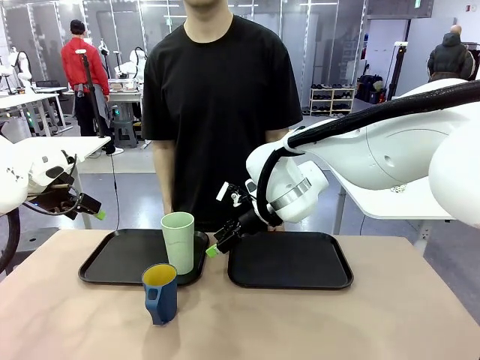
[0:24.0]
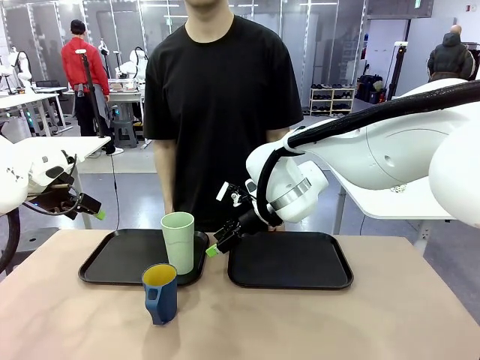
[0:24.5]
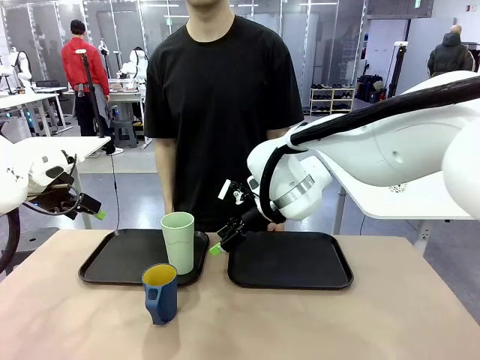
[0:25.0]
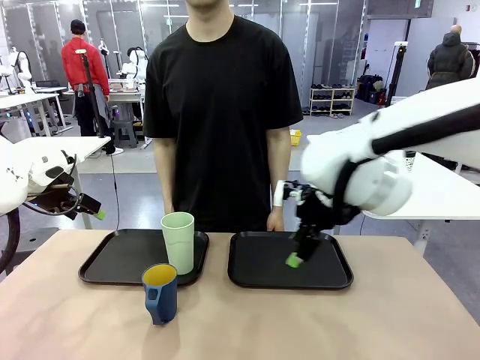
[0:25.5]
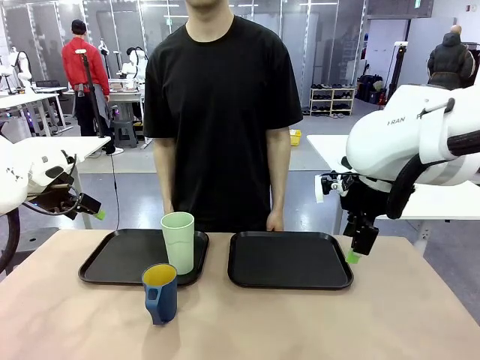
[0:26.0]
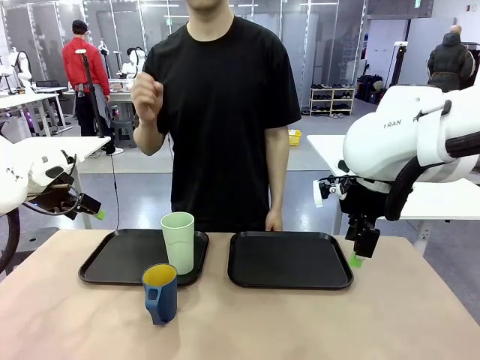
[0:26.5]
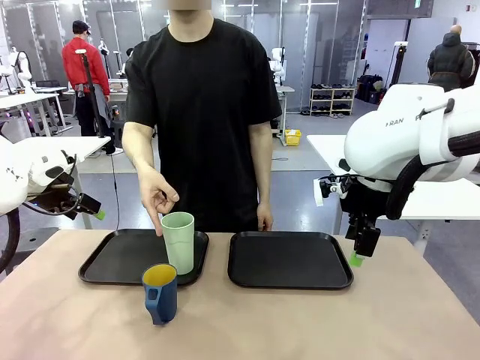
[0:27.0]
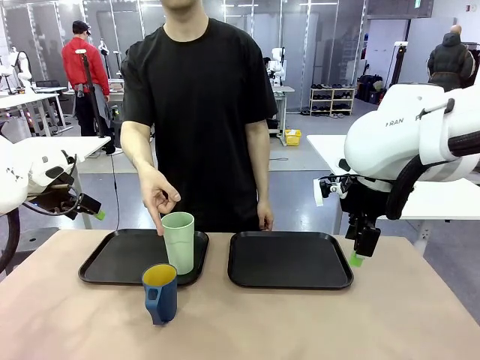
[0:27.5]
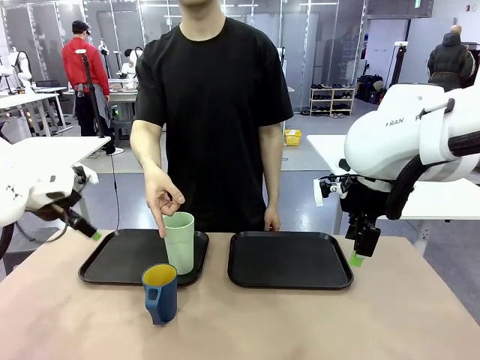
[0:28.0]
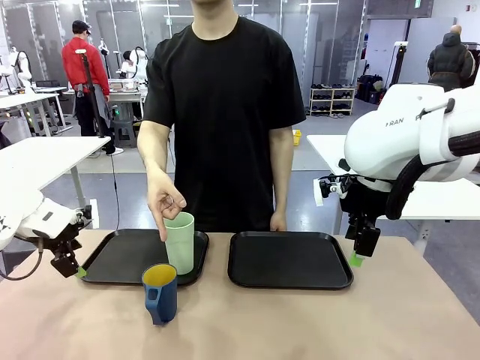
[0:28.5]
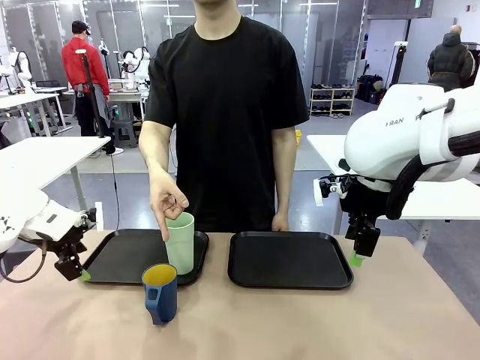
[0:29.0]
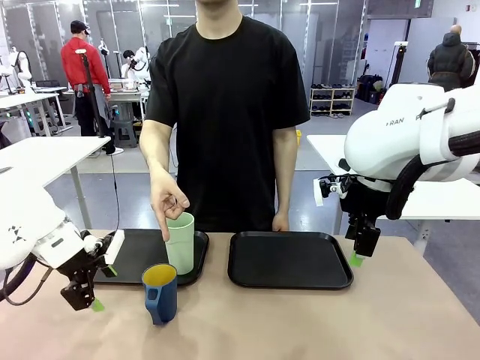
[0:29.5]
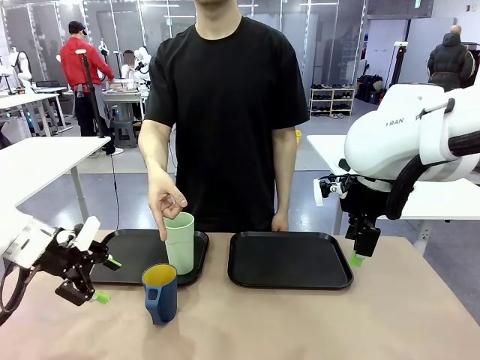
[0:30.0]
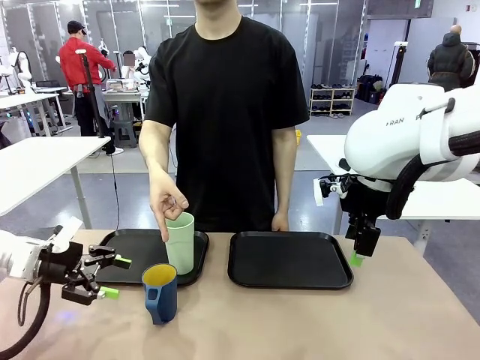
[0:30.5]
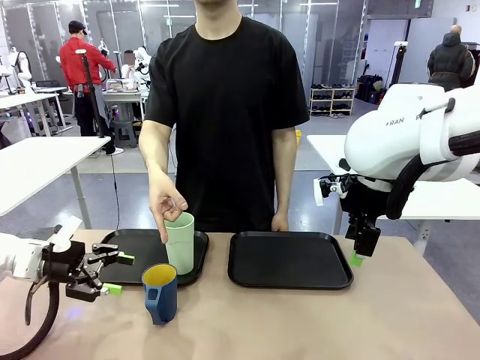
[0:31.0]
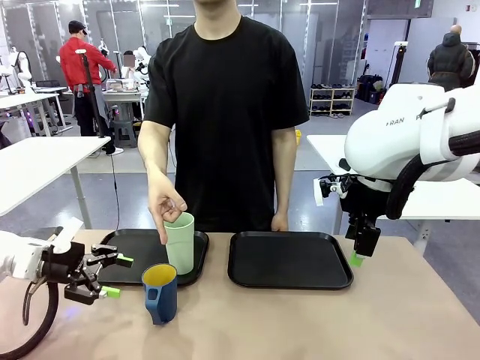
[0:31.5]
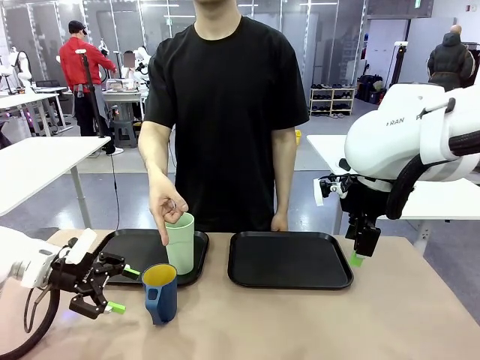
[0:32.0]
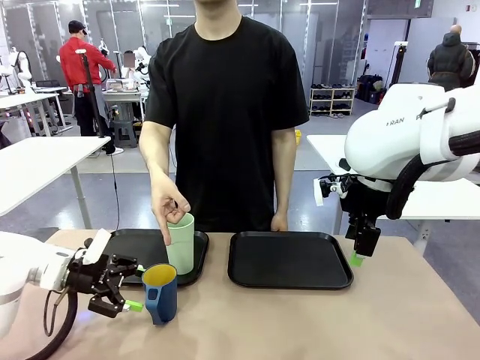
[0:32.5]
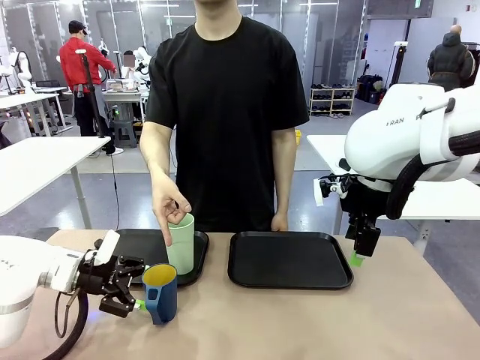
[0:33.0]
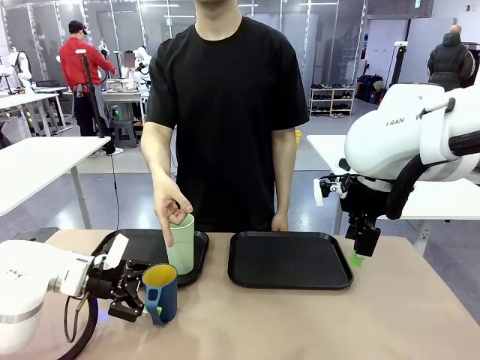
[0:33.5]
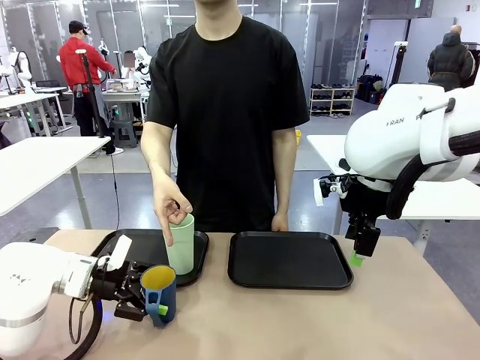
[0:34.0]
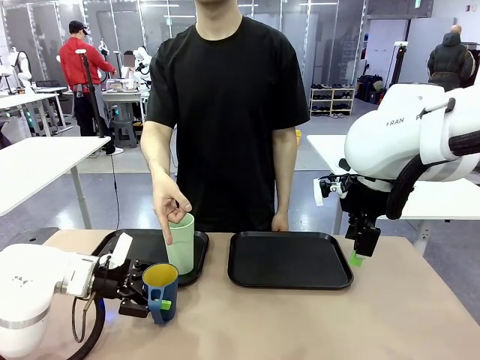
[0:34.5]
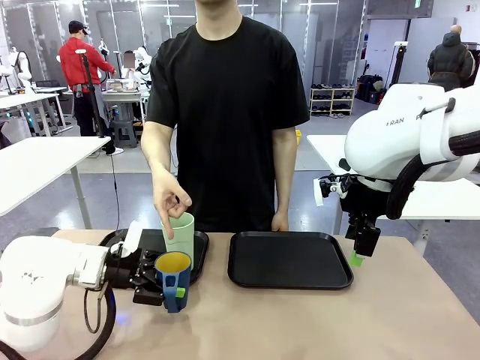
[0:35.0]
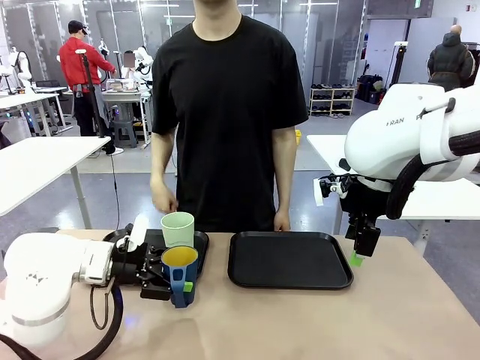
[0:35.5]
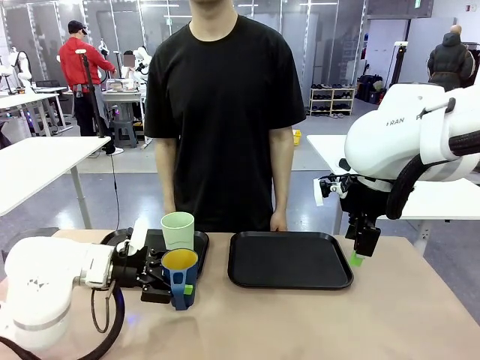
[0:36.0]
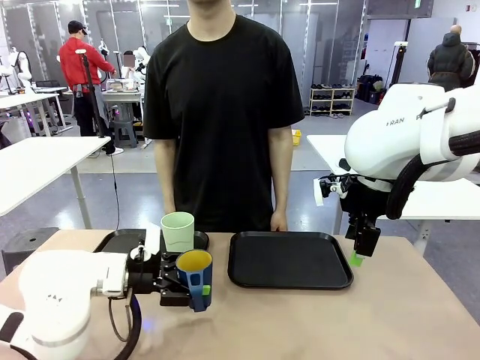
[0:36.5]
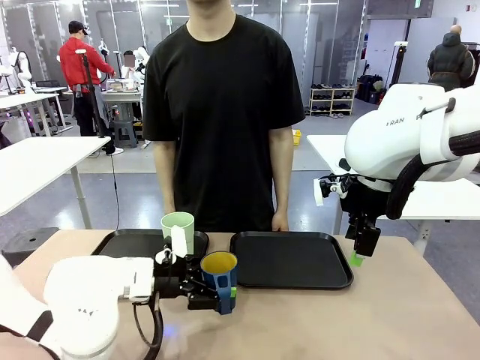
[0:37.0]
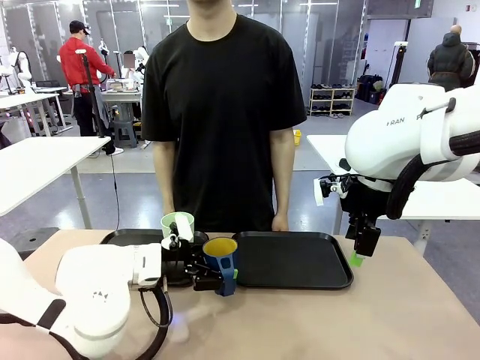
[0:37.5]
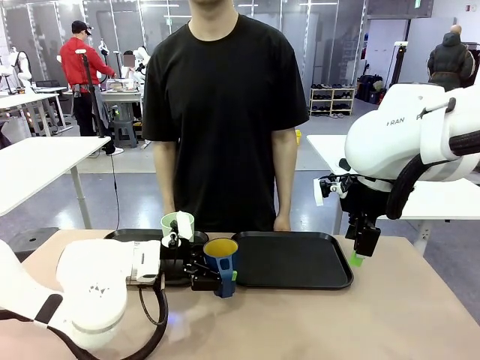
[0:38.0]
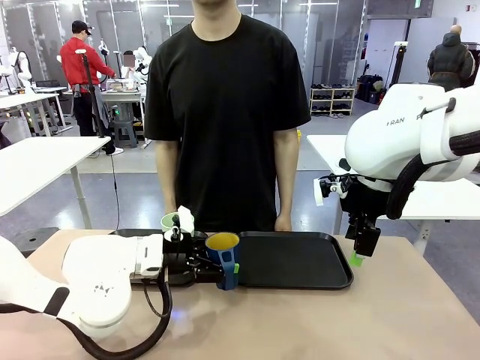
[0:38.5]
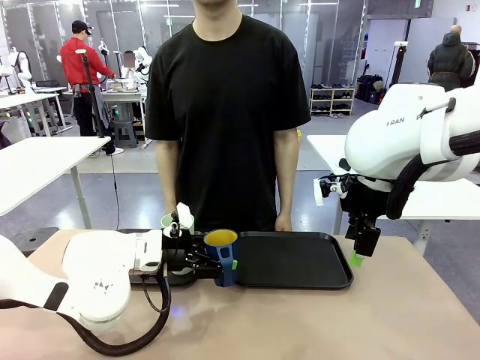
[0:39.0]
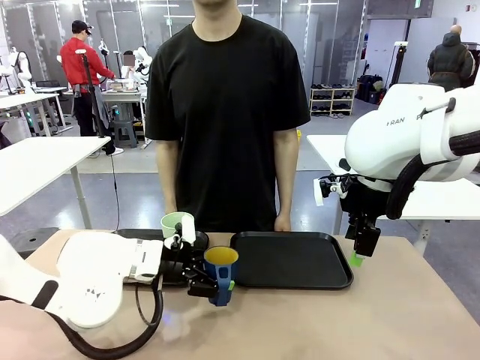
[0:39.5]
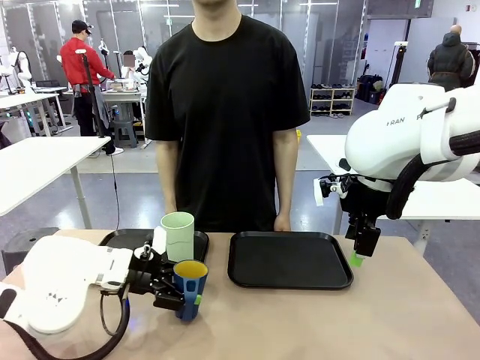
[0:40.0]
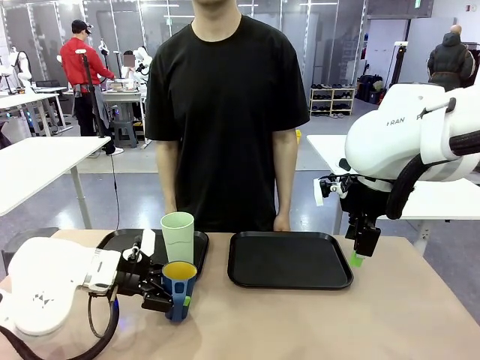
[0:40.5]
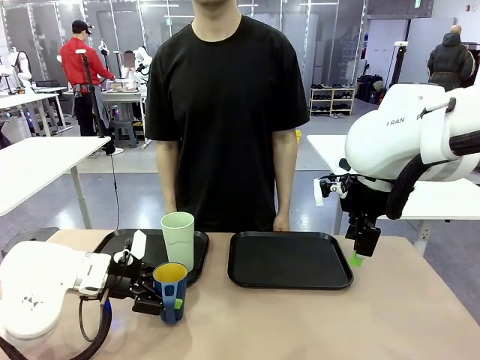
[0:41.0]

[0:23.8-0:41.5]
Task: Sort and store the cups by type.
Robot: Pick up the Handle plastic cup and place it into the empty Flat Tray.

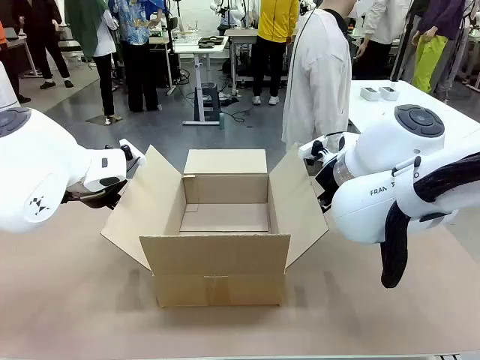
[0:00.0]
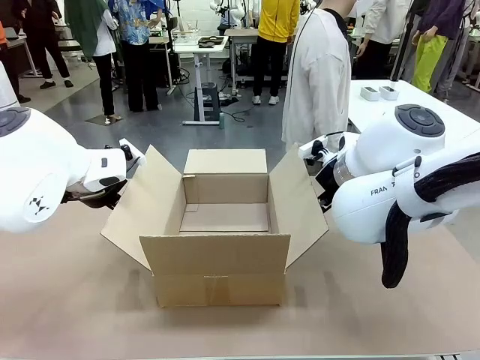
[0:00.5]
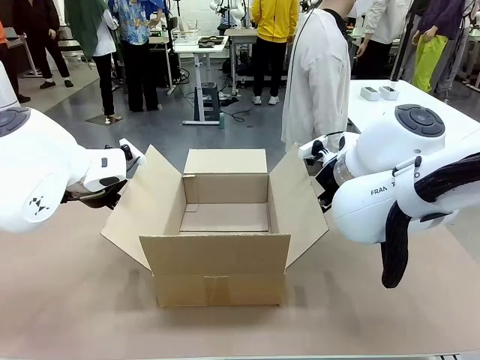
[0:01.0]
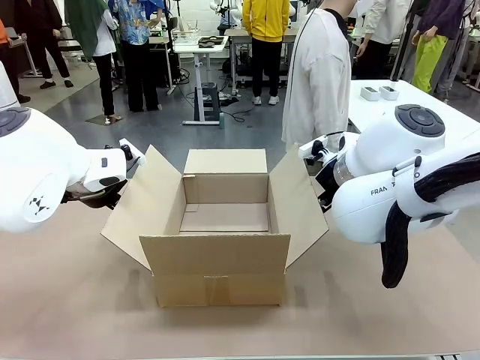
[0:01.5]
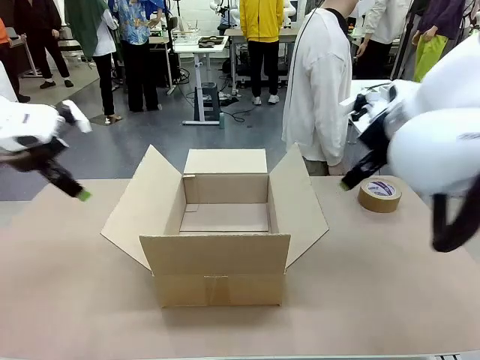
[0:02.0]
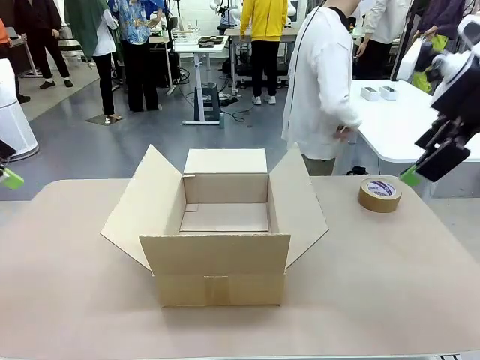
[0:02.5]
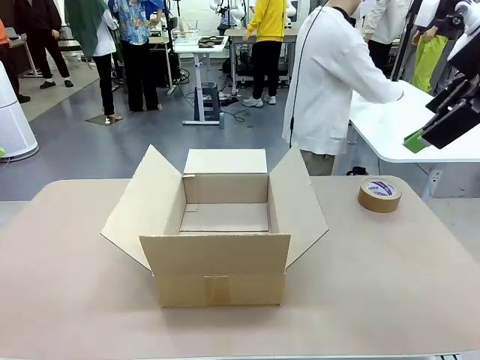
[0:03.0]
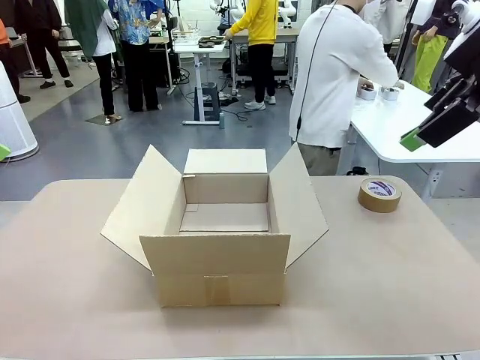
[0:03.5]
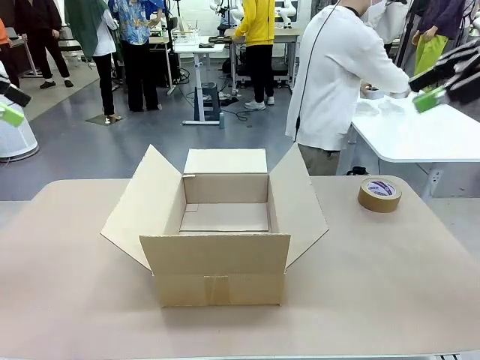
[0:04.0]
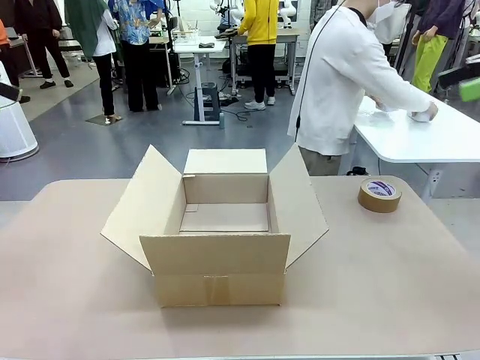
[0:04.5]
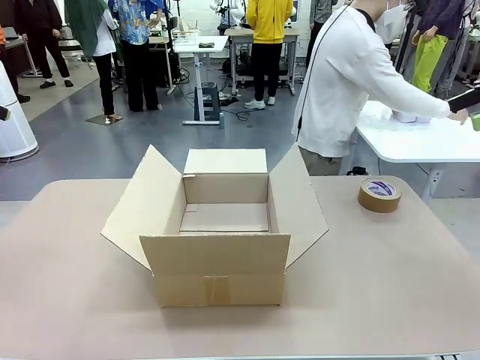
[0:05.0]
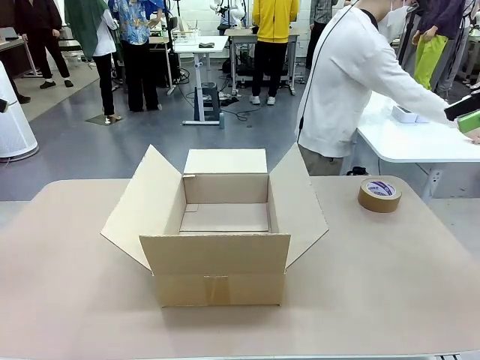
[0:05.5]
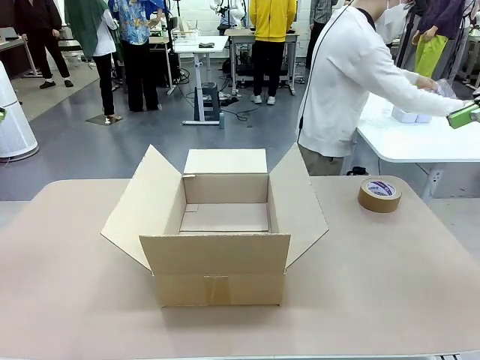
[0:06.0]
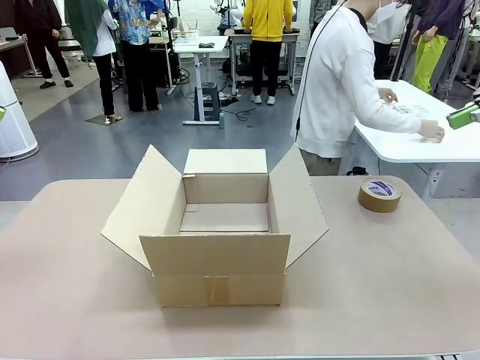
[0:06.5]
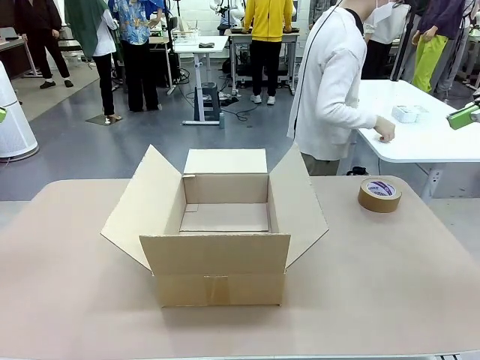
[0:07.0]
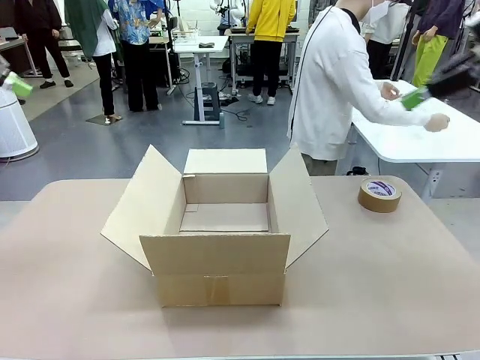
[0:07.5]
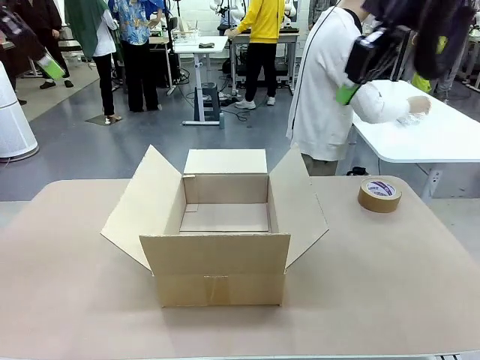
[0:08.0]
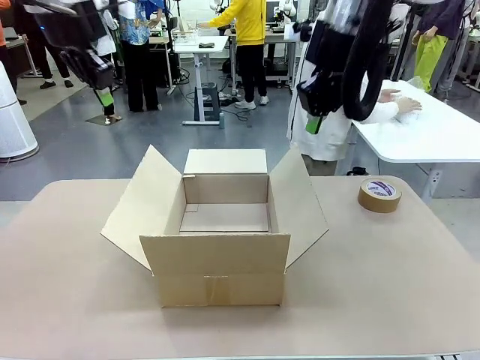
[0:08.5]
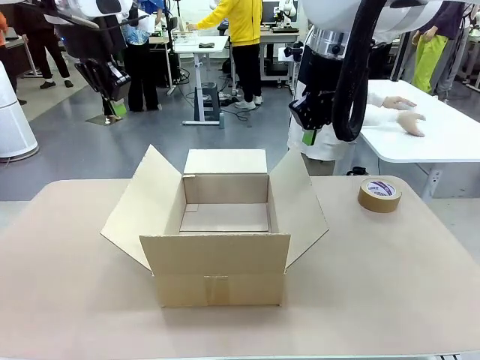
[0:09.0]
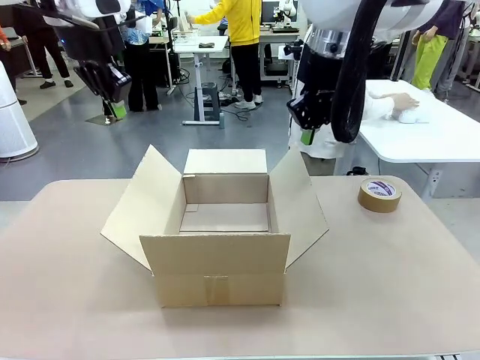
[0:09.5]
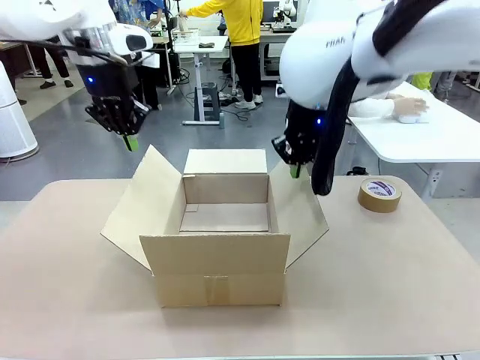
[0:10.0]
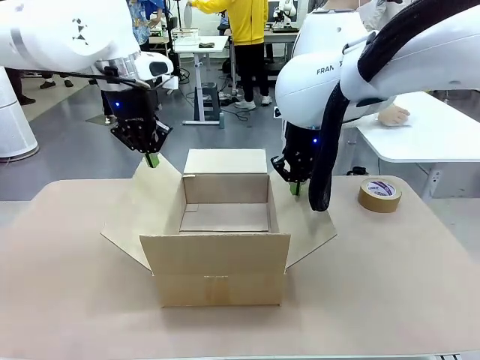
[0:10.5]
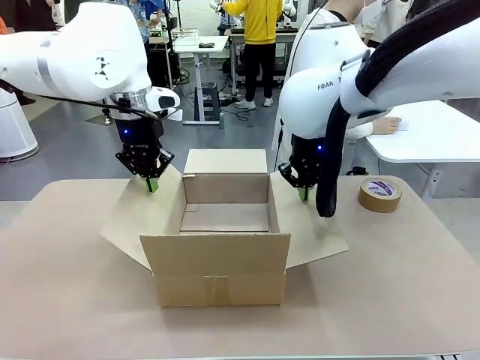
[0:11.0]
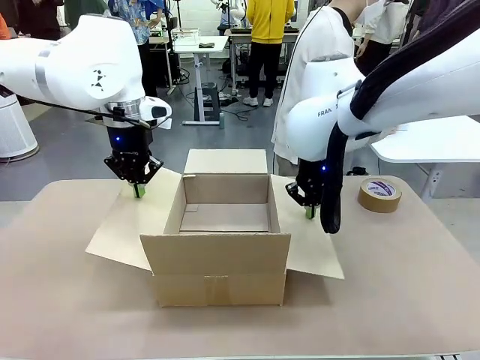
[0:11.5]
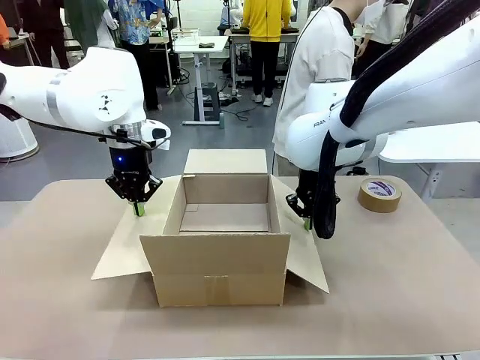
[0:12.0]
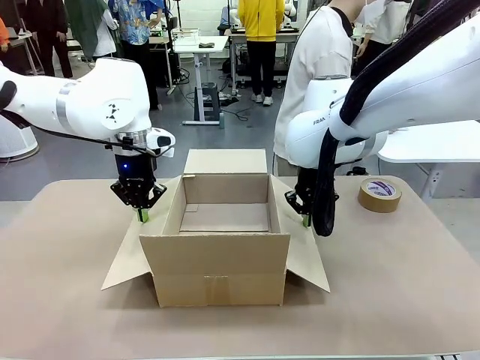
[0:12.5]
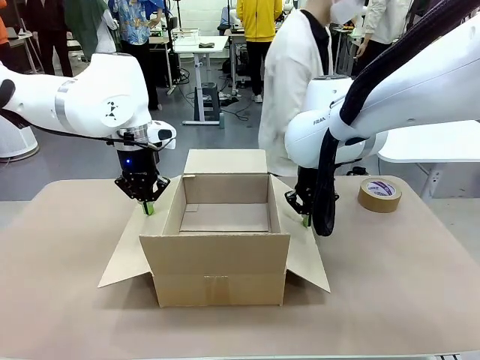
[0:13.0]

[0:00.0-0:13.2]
Task: Wrap the clocks to prevent damage.
Robot: Open the side flaps of the Package Box.
Person: Wrap the two Digital clocks with Bubble Wrap.
